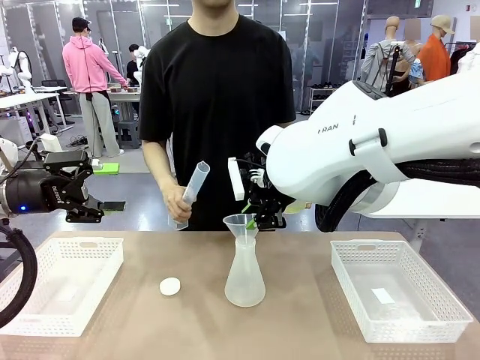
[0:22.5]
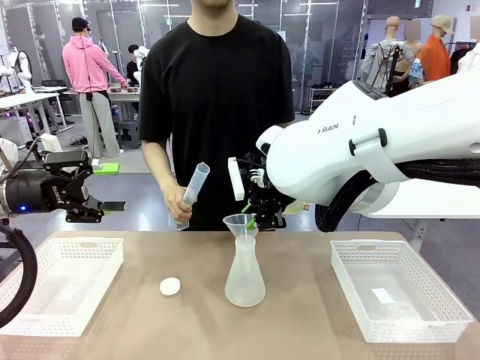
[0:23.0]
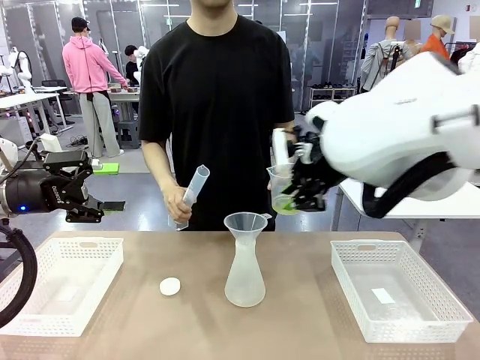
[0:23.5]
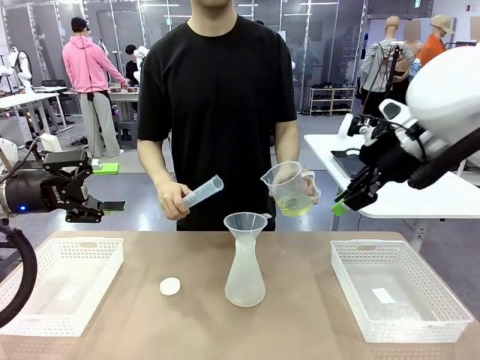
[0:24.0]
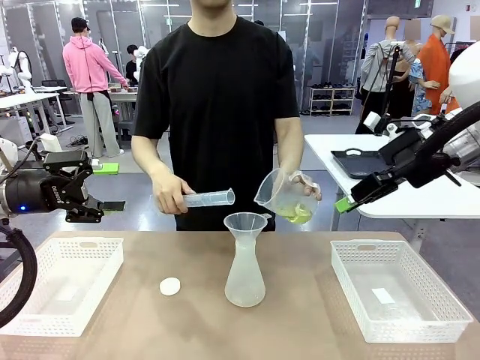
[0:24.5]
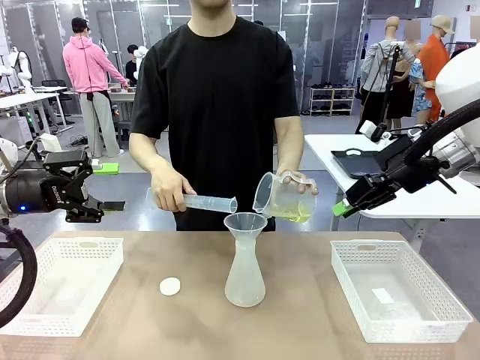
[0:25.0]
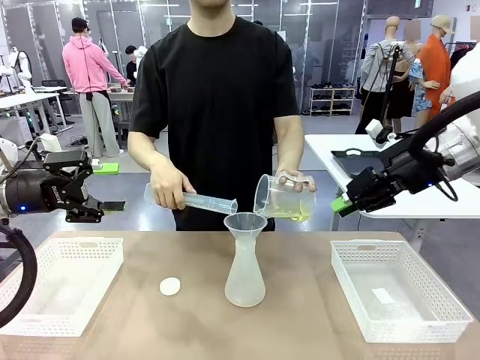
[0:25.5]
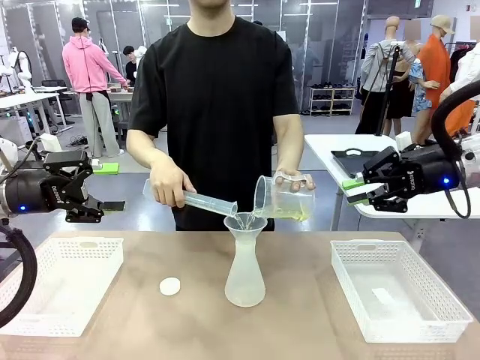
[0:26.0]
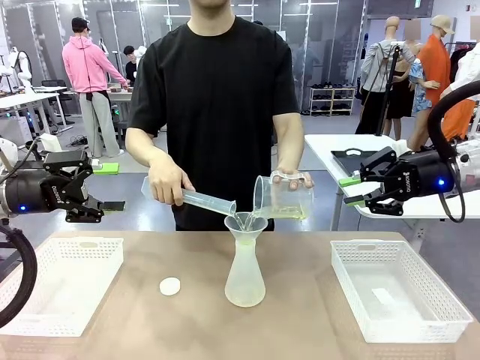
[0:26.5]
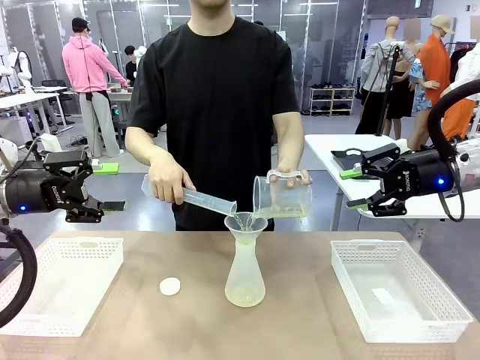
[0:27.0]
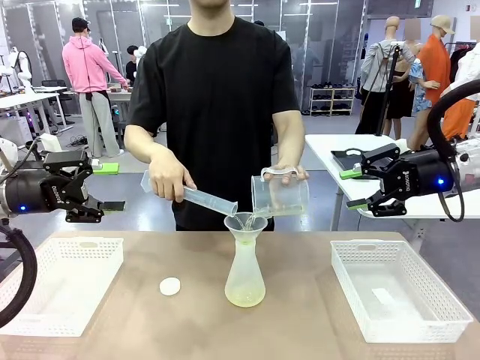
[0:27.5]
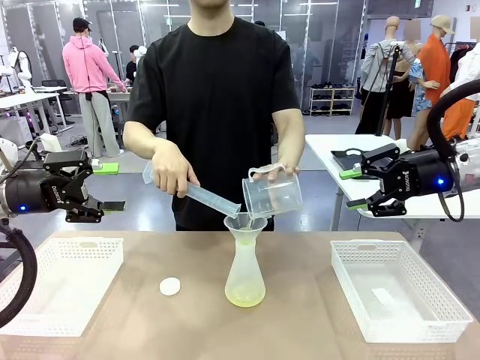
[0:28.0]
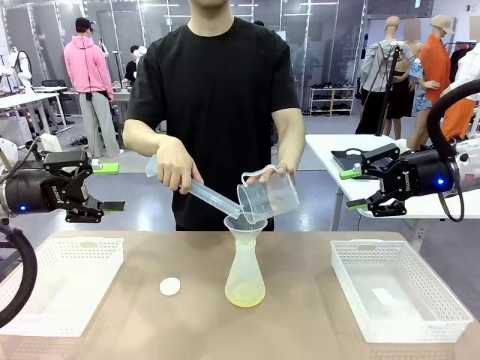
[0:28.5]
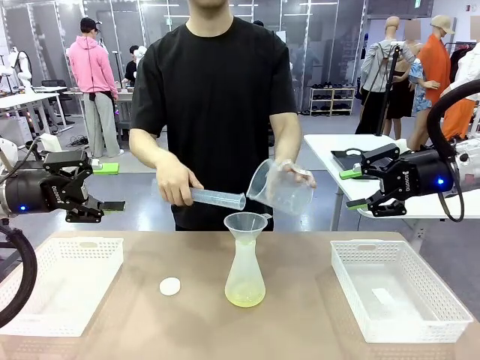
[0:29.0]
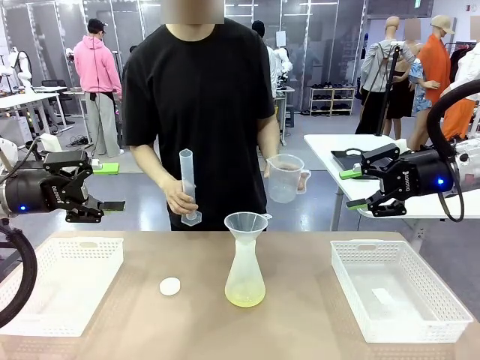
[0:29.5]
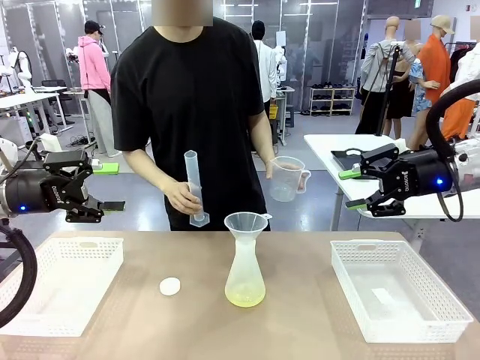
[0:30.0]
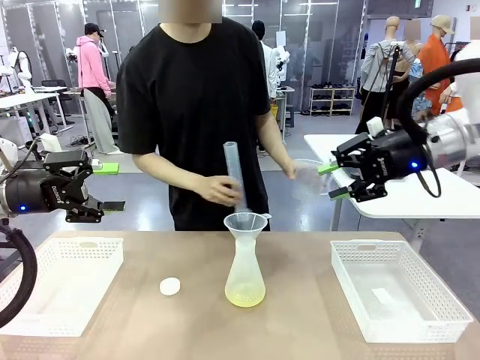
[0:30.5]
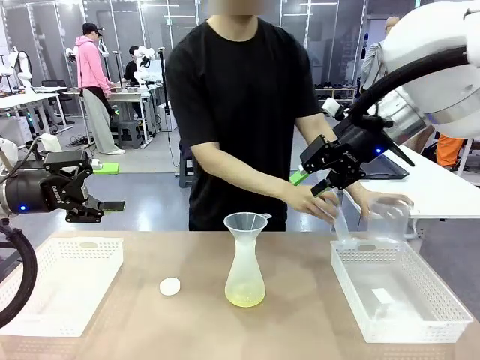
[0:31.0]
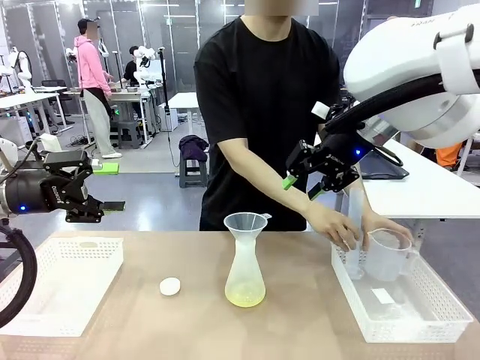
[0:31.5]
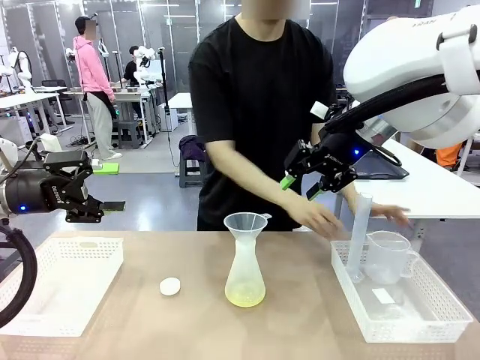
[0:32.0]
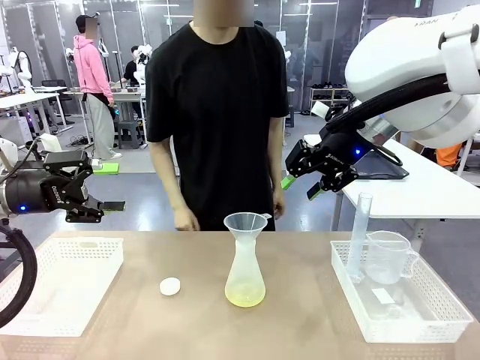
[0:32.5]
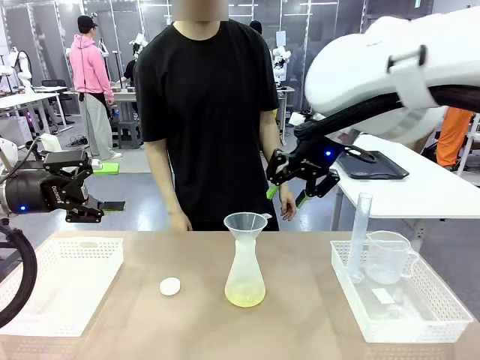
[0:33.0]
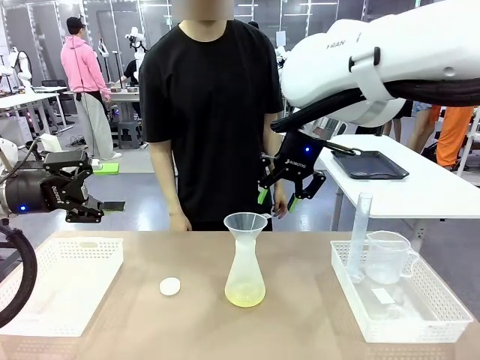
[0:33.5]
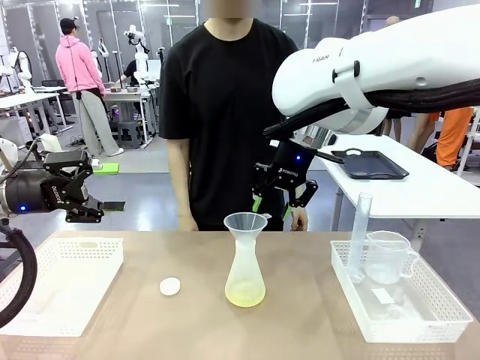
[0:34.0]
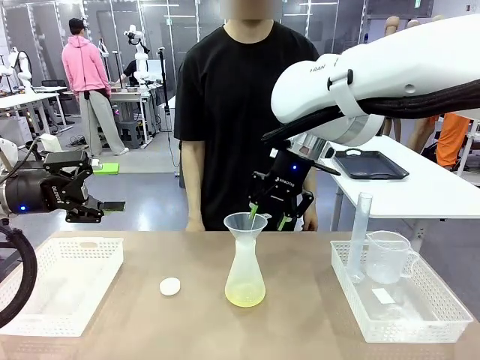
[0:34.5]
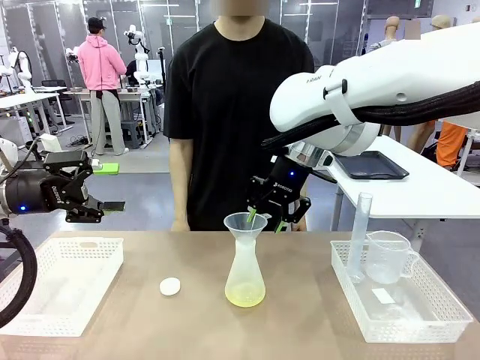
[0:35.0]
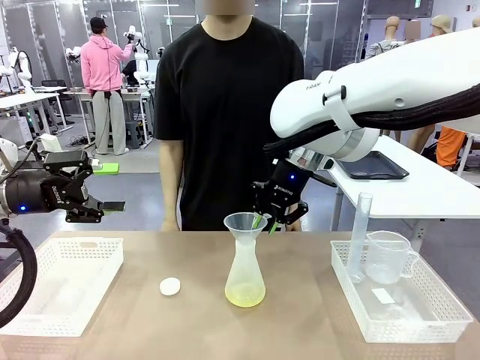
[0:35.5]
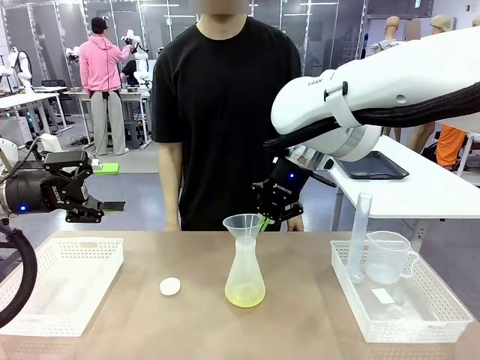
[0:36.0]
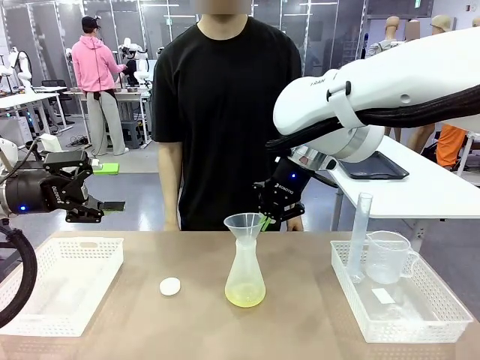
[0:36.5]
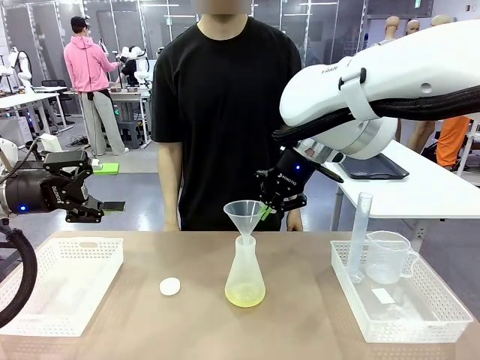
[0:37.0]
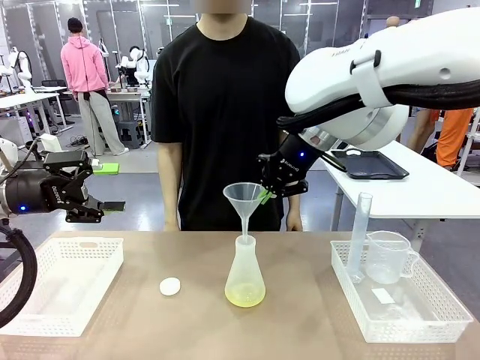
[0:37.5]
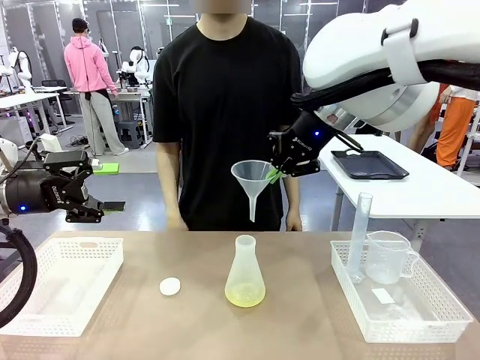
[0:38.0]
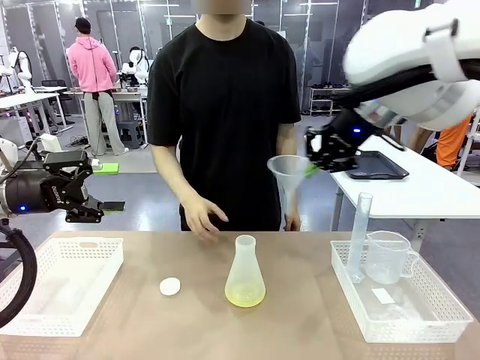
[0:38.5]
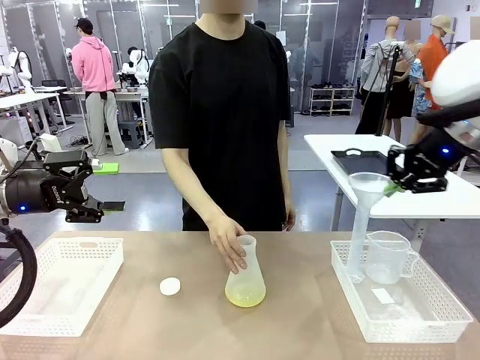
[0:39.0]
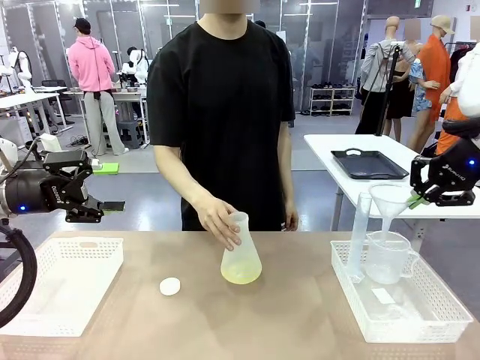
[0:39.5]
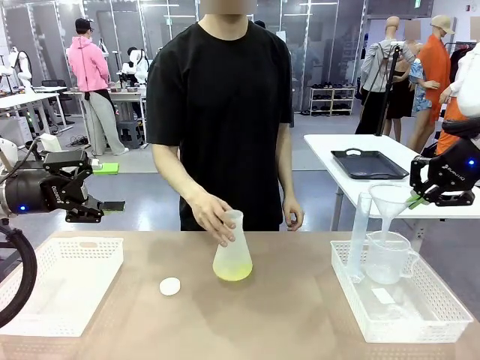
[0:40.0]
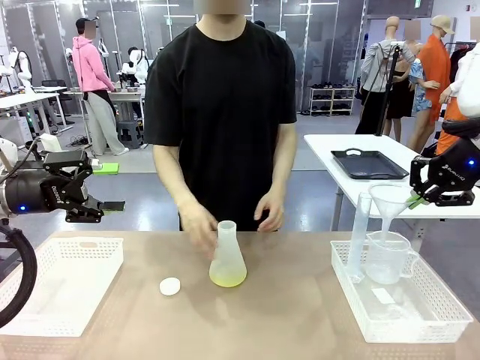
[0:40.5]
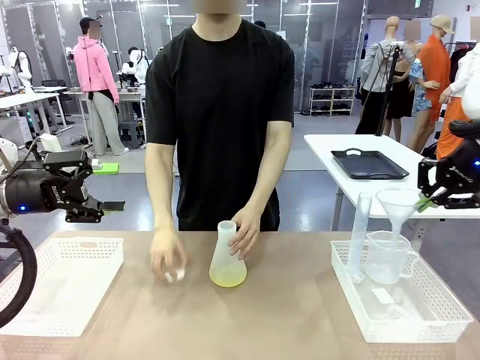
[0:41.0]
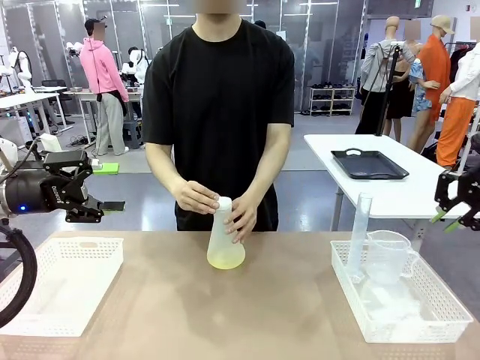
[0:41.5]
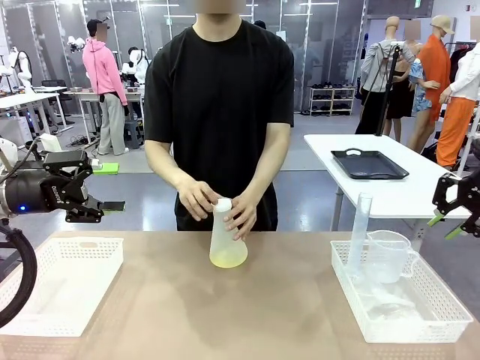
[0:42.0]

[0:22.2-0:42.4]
Task: Prepare the solutions needed for the experiment.
Robot: Once the solution is in the Big flask , pick up the Plastic Funnel and place it back into the right Organizing basket.
Person: Place the beaker and the cylinder into the organizing basket on the left side. Pick up the flask, gently shake it 2–3 times, place it in the middle of the robot table, and close the lid.

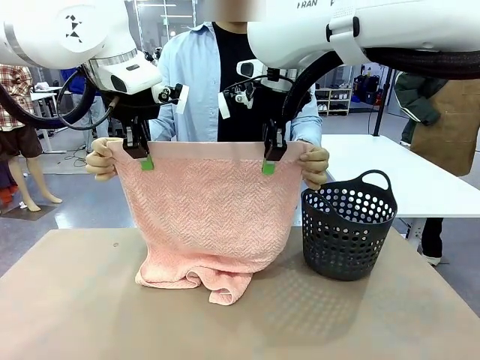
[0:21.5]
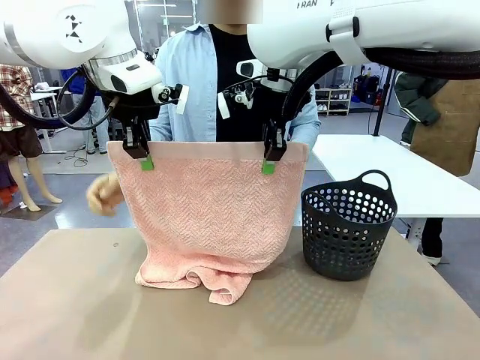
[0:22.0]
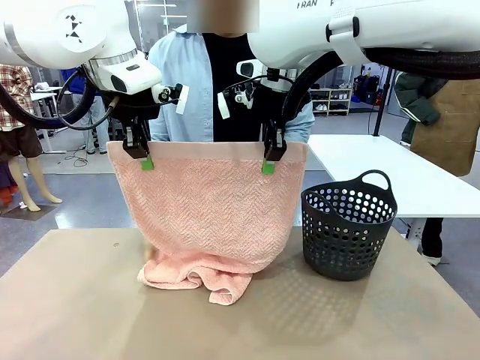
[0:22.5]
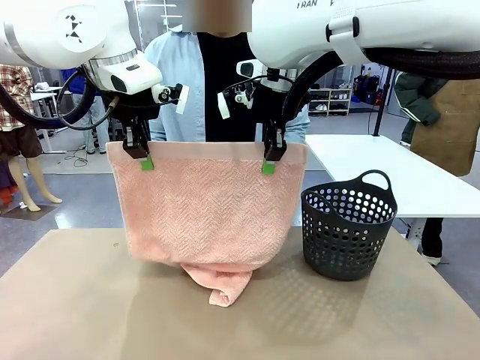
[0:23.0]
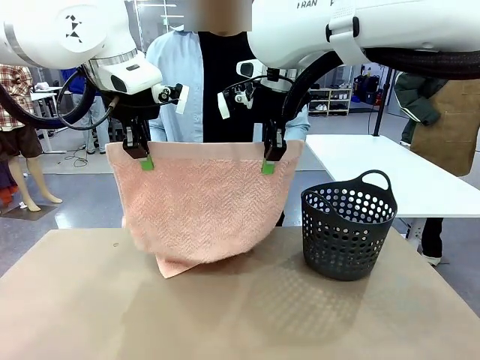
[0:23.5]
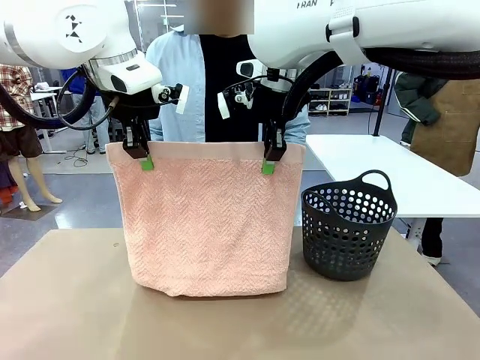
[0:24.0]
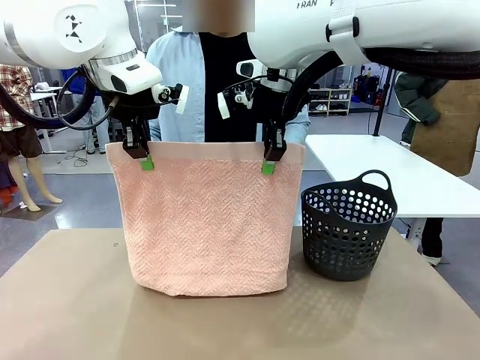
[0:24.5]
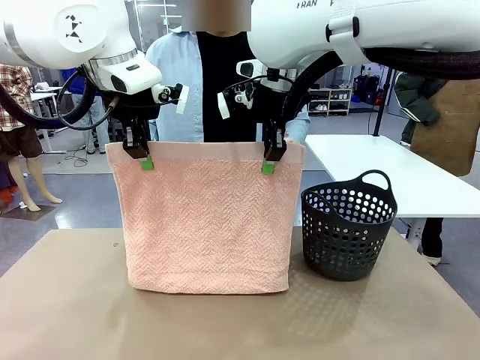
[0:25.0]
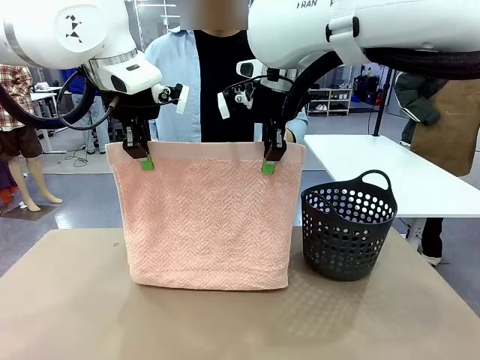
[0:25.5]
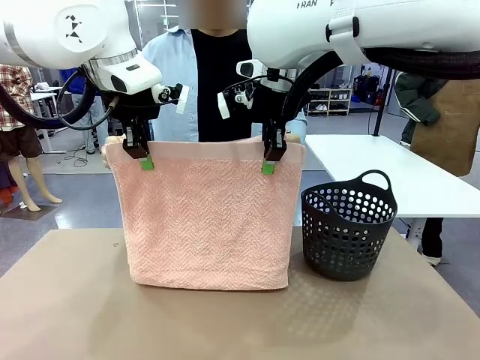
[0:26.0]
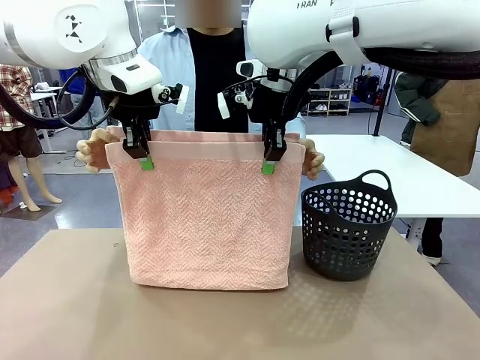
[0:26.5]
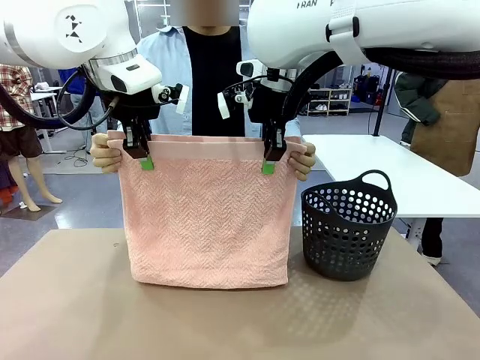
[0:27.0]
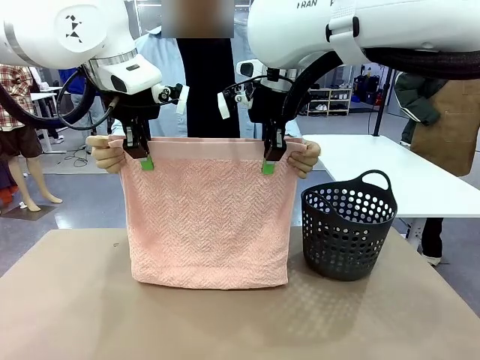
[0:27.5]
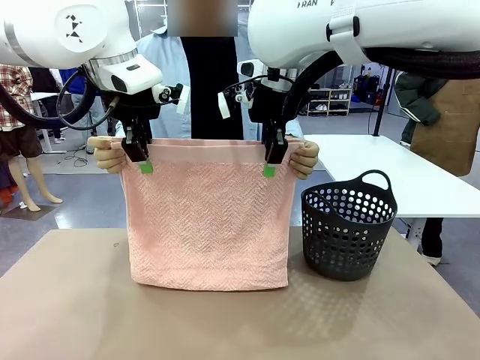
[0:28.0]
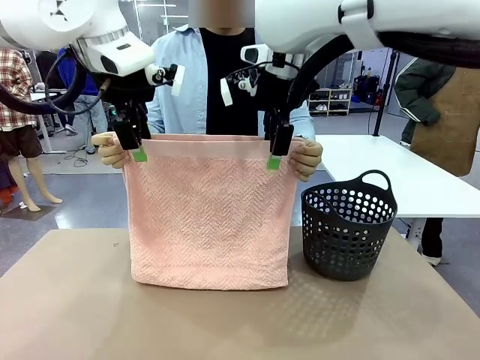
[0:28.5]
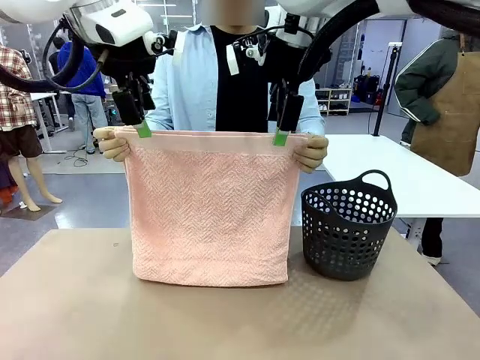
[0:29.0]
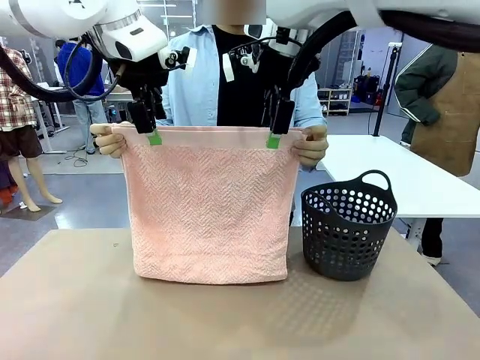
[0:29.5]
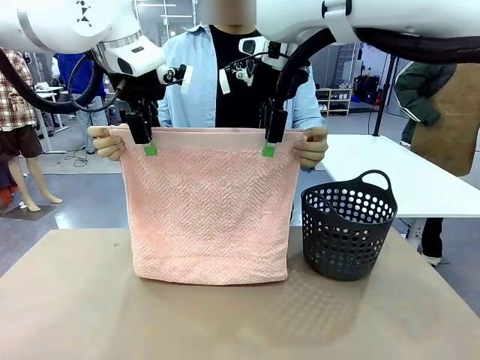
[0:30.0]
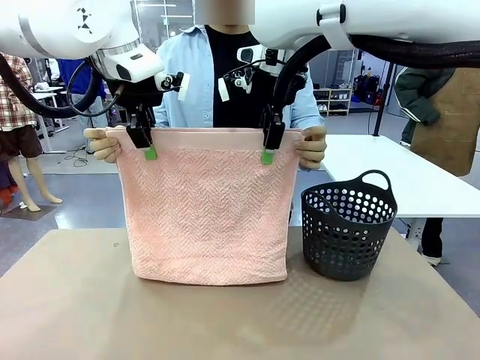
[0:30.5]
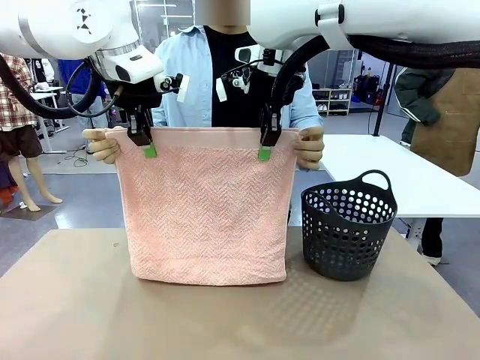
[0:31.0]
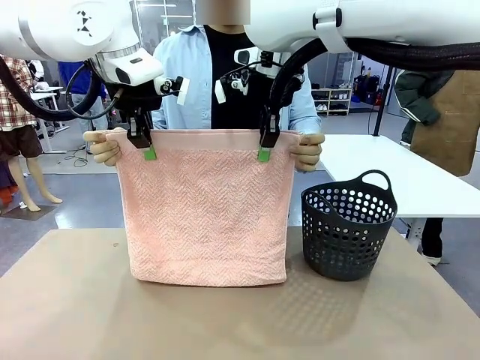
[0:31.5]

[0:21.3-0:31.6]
Task: Fold the towel.
Robot: Release the end of the 100 cm Hotel Towel you were holding and grab the top end of the folded side.
